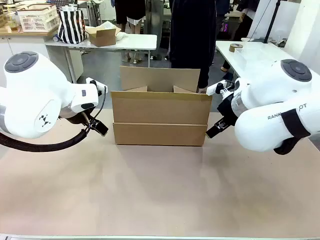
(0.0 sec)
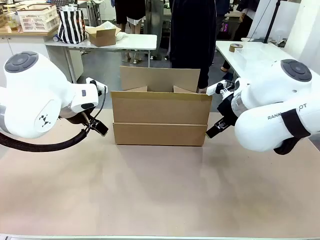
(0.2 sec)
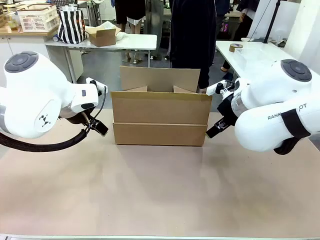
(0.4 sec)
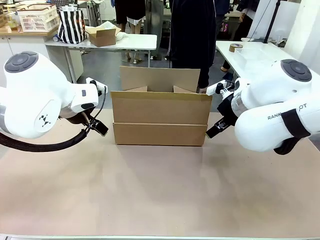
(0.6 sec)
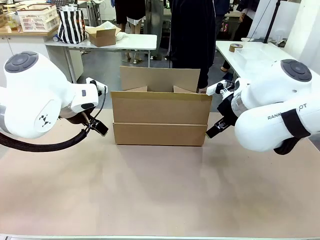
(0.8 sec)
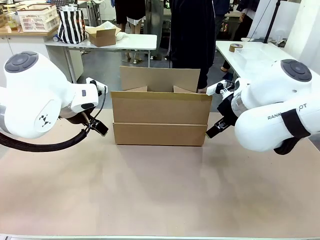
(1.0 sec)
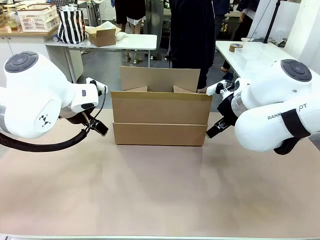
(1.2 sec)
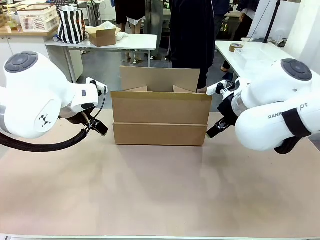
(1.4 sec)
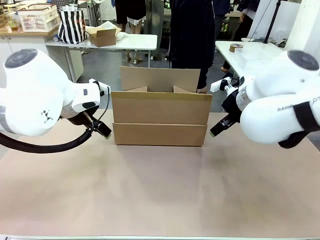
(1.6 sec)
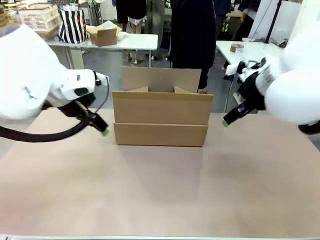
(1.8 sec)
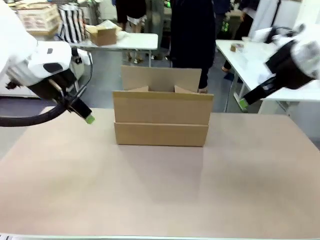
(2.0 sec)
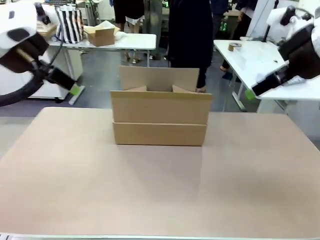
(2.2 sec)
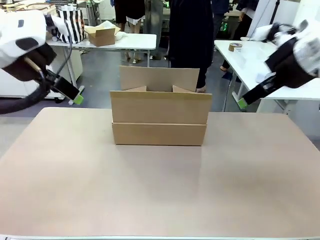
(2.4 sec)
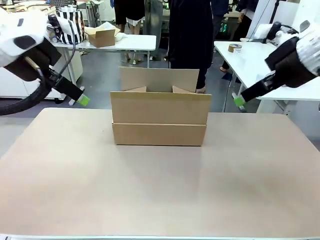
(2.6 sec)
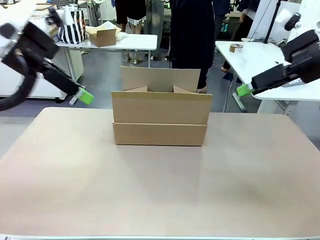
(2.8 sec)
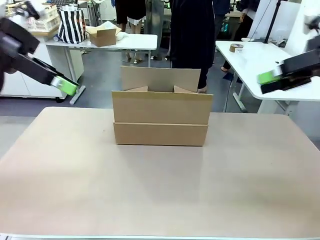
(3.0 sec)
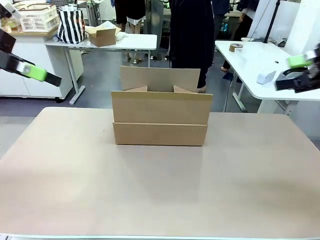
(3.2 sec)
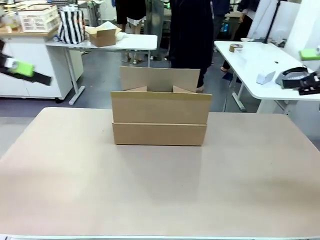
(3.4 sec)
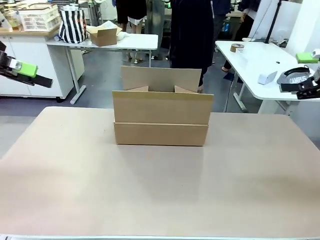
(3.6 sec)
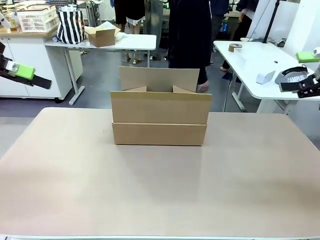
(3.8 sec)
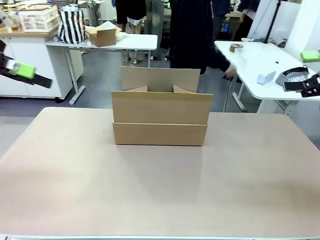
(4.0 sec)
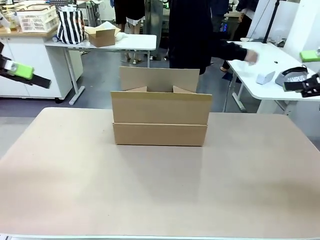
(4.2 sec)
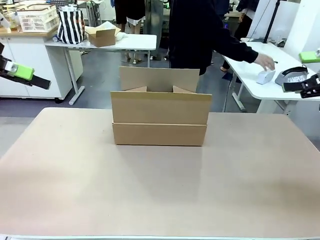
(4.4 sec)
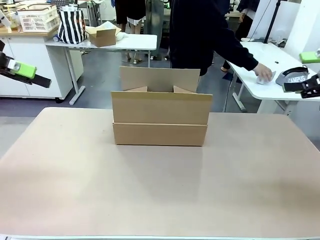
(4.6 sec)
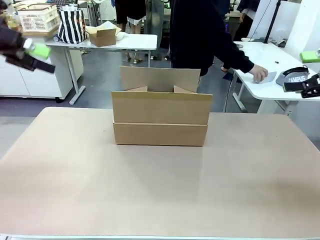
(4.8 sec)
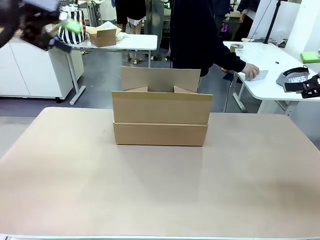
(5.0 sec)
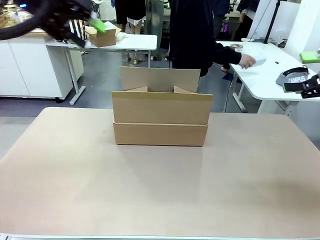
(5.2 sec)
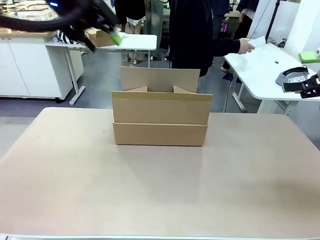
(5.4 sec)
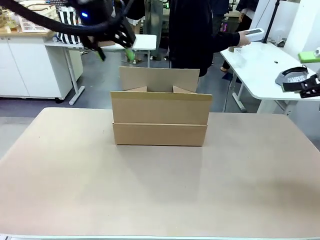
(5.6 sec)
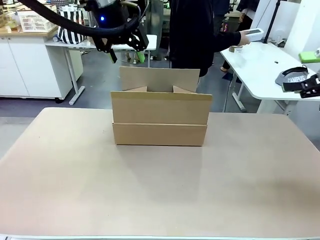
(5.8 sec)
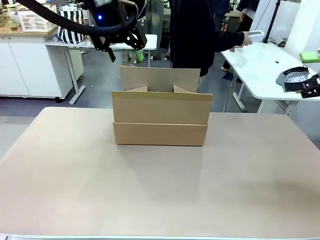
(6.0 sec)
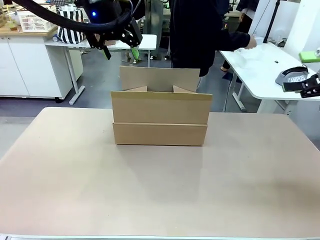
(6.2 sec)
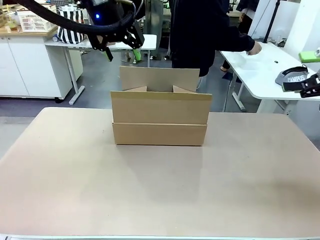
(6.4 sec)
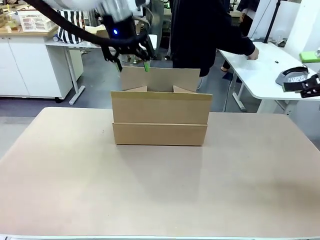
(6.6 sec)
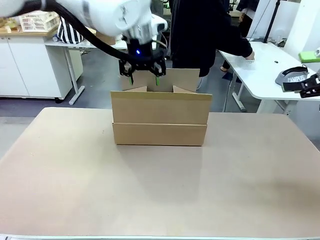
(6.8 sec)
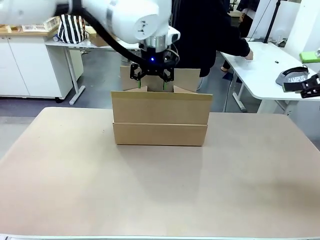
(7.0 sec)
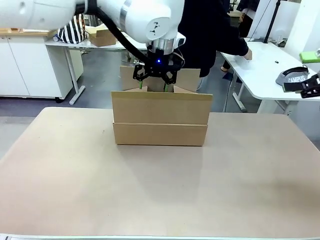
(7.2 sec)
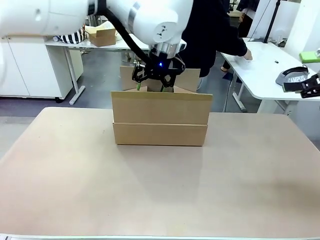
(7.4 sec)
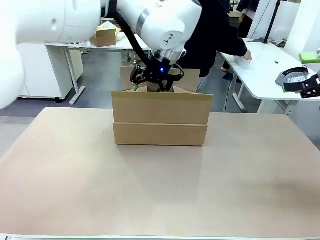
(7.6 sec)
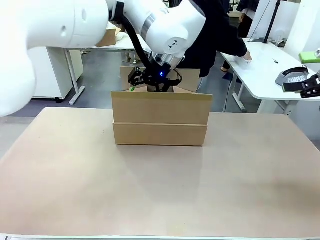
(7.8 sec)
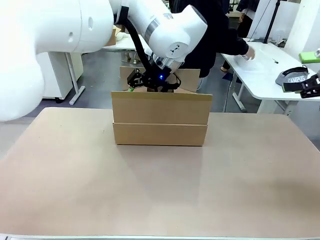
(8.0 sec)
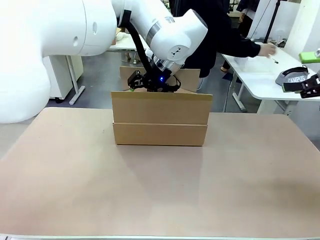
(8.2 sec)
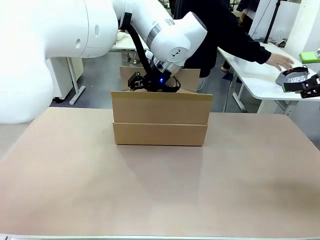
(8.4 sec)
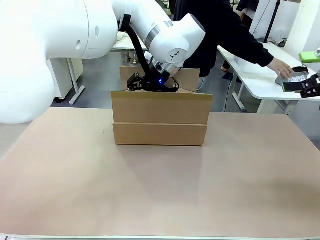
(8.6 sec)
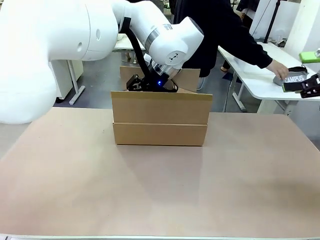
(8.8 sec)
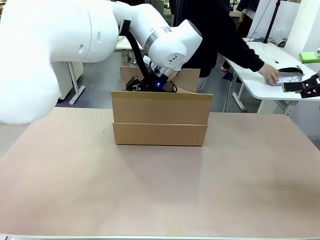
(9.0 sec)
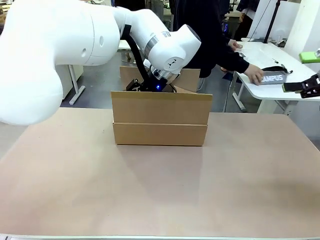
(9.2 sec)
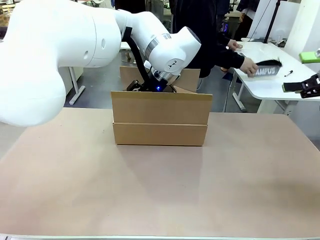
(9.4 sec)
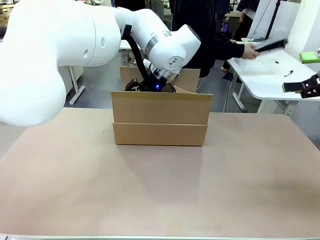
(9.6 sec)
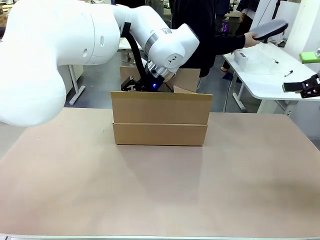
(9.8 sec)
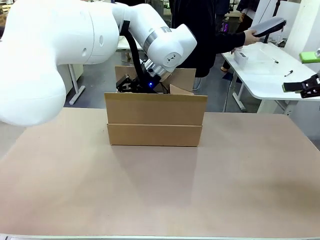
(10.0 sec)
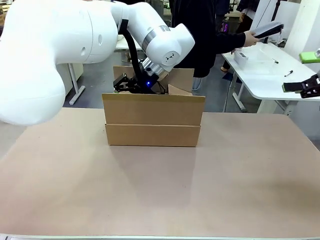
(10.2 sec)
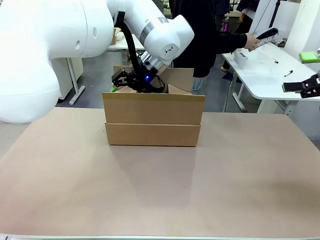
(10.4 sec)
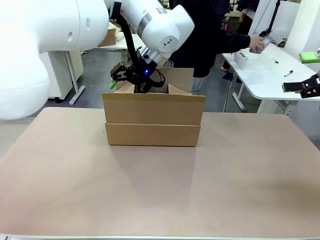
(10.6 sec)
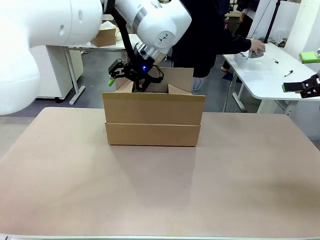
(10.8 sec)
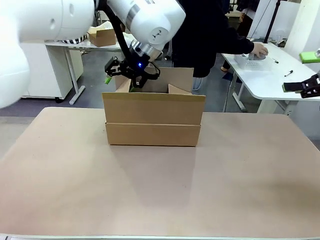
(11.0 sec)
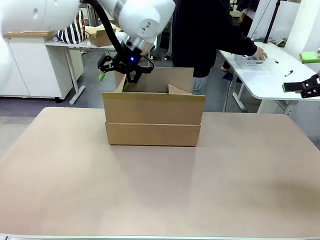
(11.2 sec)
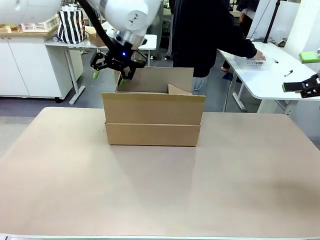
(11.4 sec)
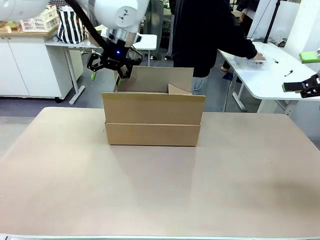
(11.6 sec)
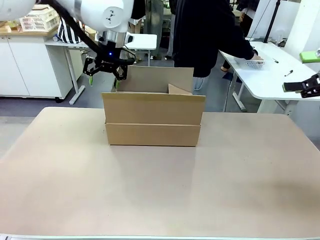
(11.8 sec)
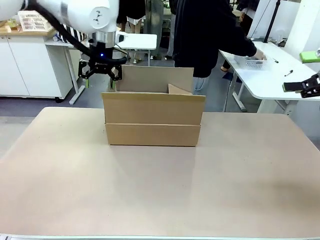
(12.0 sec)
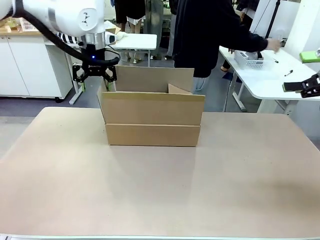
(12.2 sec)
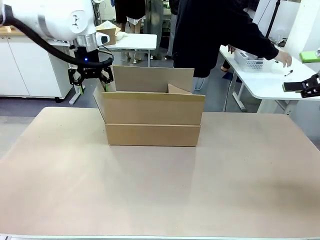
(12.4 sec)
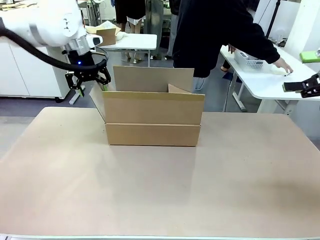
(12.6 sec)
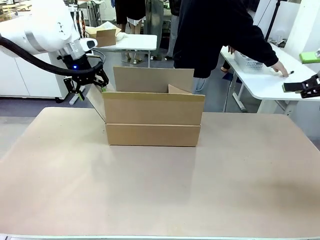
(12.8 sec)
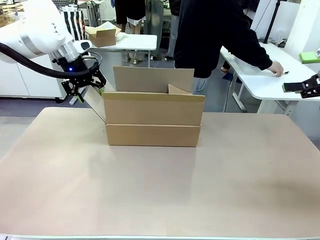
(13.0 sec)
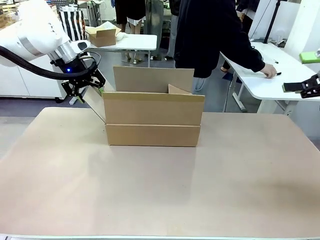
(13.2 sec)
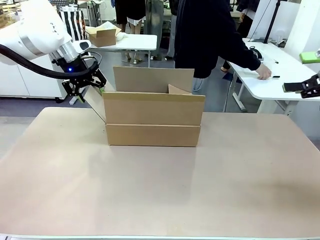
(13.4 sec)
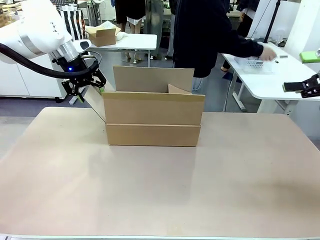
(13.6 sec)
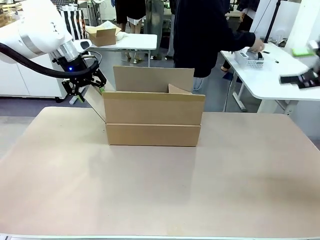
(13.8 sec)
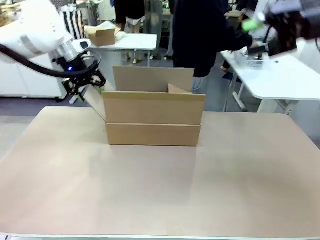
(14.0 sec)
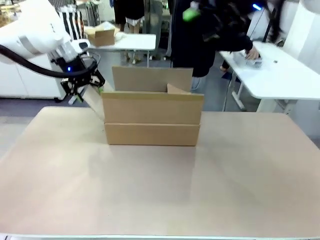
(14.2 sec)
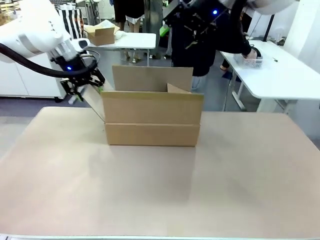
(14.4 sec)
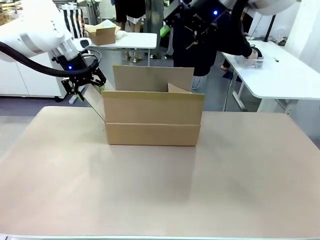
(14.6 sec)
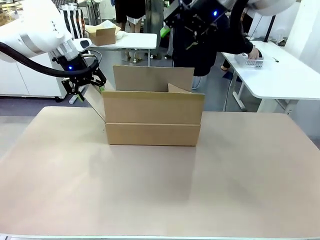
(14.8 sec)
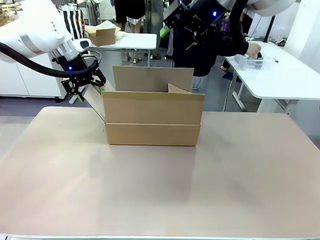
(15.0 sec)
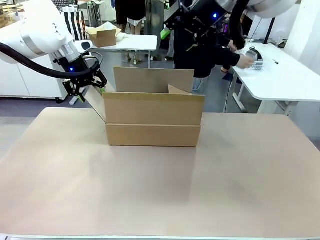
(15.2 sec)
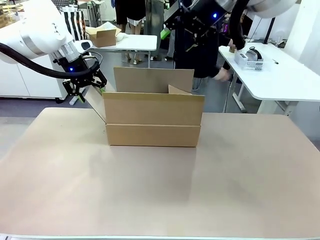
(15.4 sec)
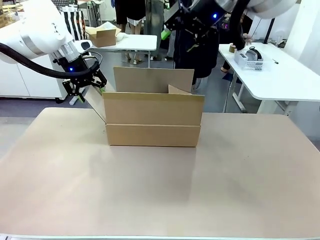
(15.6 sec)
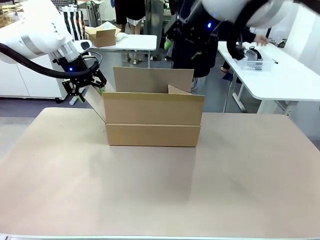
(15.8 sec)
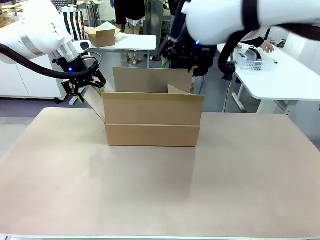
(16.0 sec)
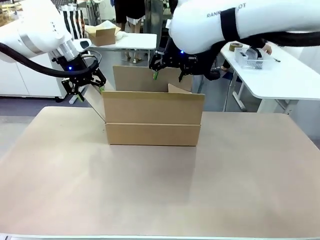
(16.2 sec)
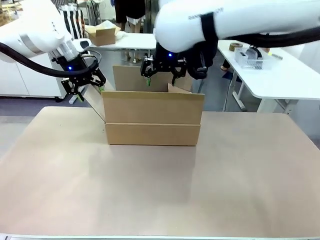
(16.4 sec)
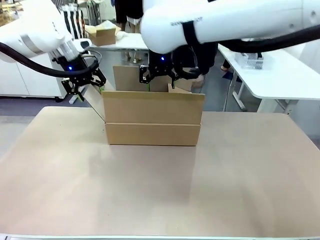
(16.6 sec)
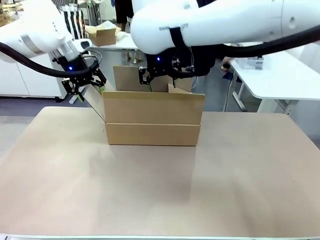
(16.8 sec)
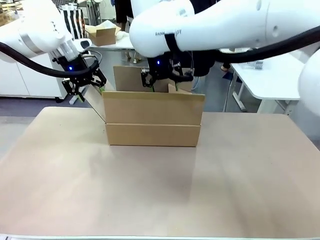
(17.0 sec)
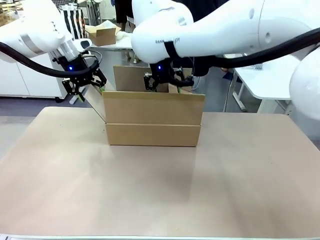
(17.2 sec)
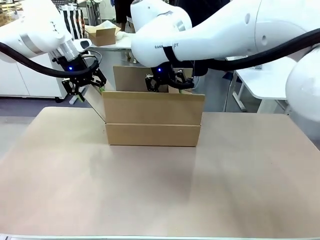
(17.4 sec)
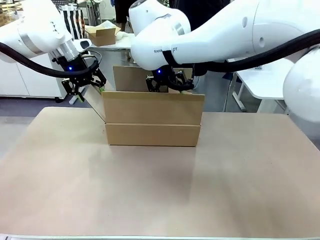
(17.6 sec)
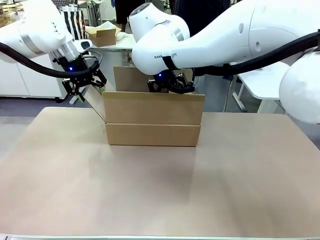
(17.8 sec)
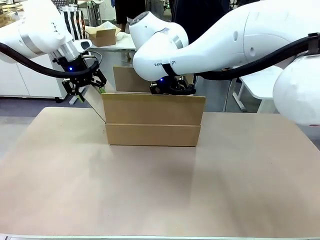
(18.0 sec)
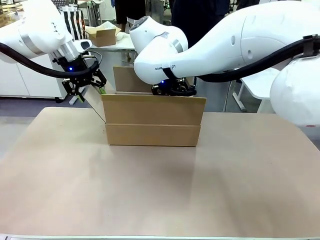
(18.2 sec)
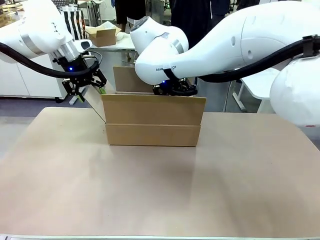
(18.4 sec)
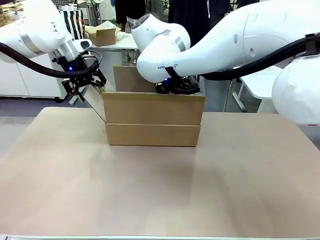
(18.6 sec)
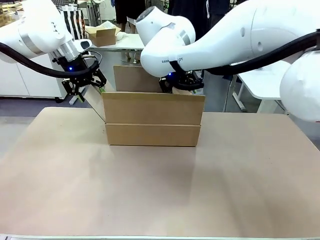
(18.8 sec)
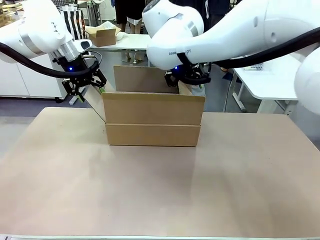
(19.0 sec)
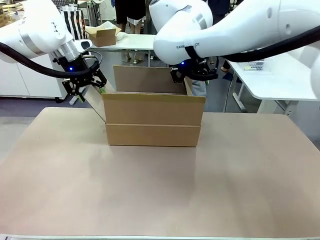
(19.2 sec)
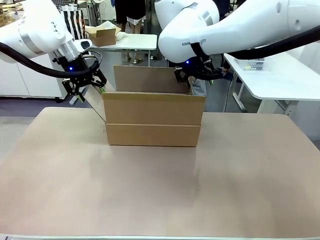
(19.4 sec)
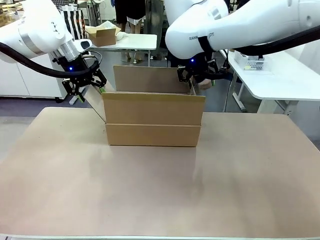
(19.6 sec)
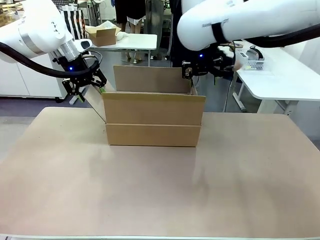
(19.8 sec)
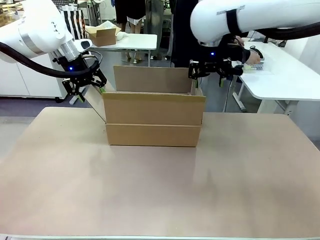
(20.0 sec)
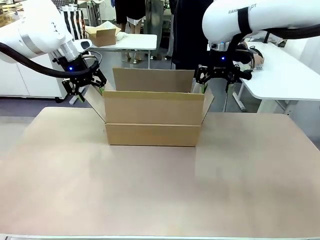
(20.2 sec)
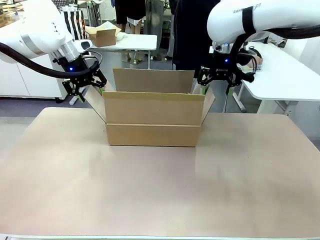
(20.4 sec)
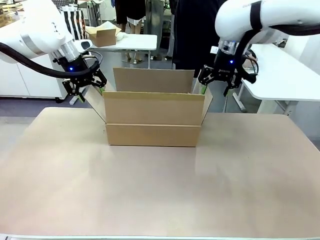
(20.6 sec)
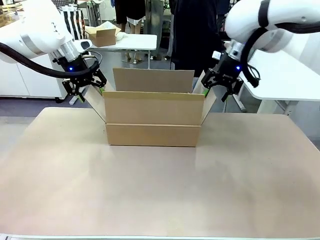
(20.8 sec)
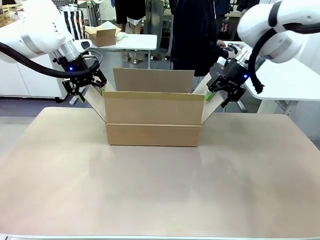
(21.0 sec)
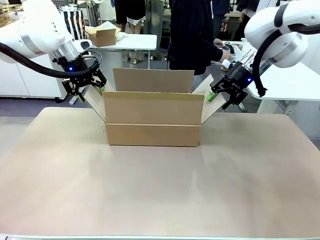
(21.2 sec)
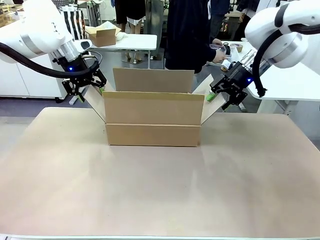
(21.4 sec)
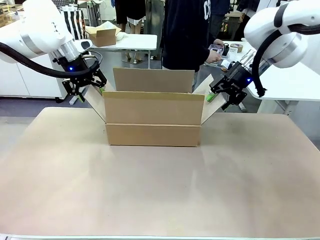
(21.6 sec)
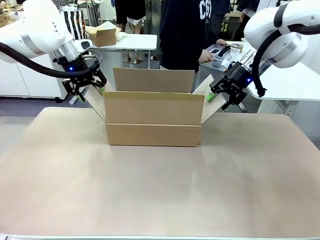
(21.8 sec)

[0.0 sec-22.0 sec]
Task: Pack the gift set into the box.
Robot: Place both hands on the side flaps of the Package Box and spread them outward.
Person: The human places all items except the paper tape into the organizing basket.
